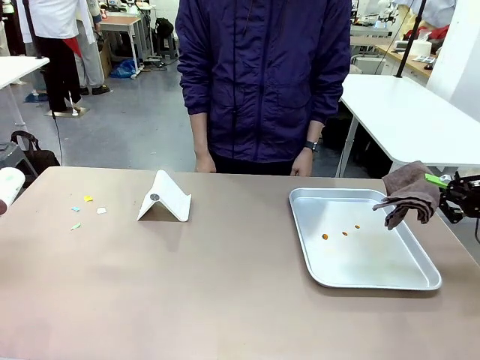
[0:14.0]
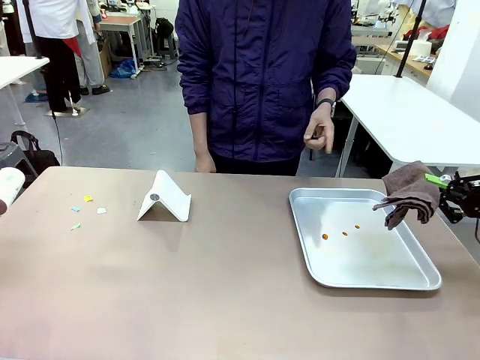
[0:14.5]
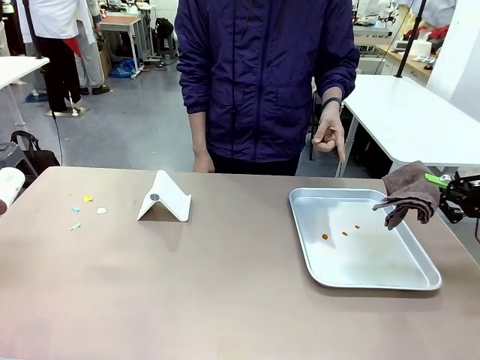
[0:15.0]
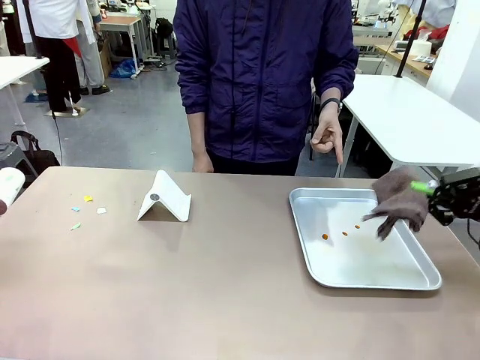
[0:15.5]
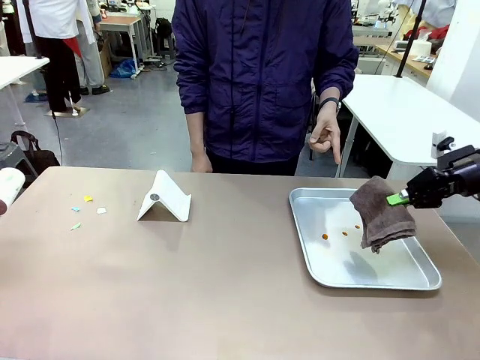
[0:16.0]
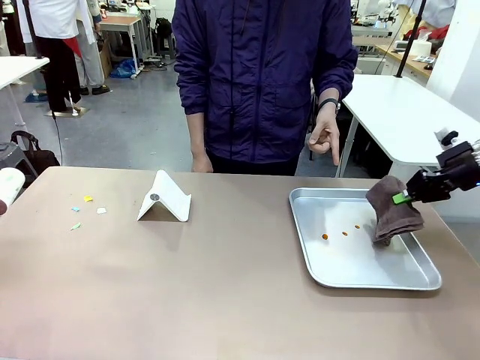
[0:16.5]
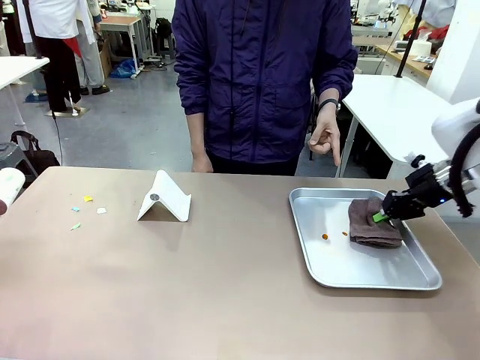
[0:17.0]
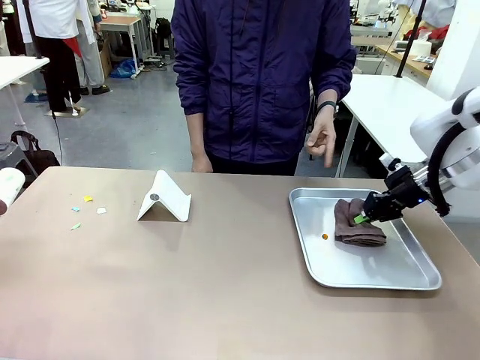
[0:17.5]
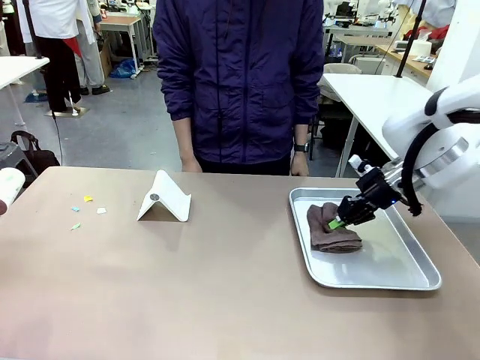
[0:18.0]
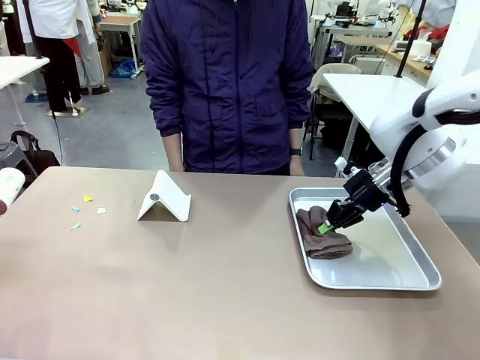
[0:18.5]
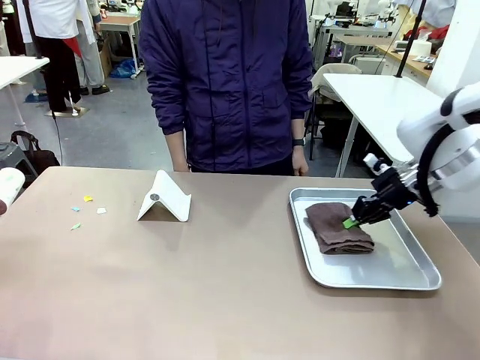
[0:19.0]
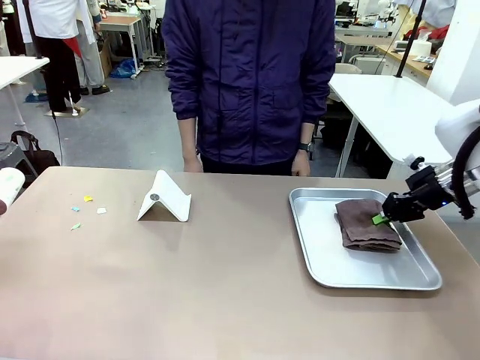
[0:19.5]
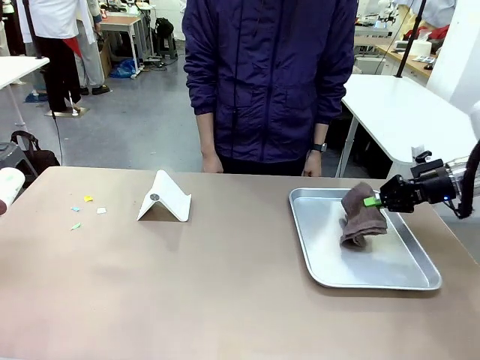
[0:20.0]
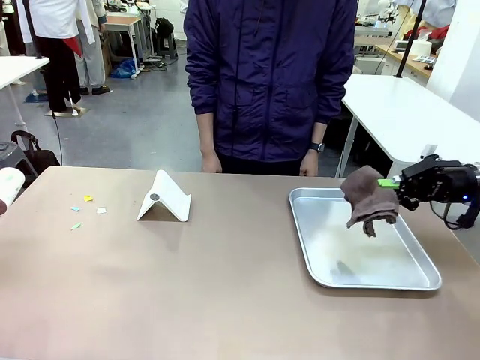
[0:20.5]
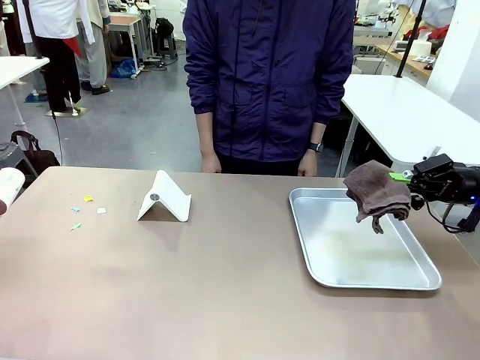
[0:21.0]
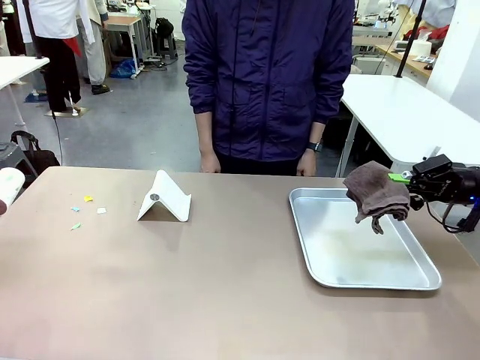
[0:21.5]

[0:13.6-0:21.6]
Task: Clean the surface of the table.
Robot: If a person points to the right, clean the right side of the table with your right hand, and if they point to the left, clean the left side with your left hand.

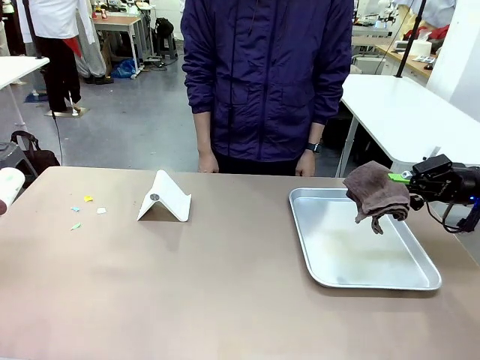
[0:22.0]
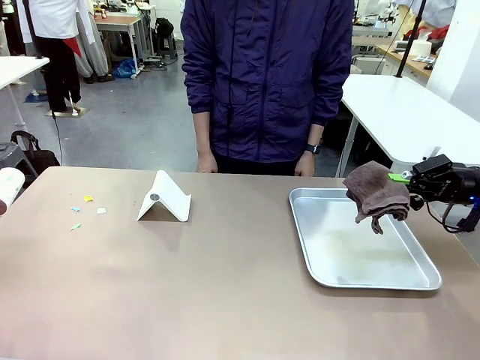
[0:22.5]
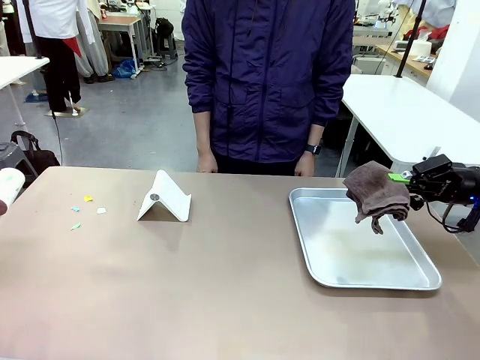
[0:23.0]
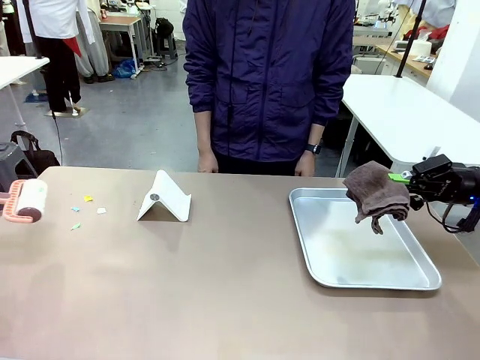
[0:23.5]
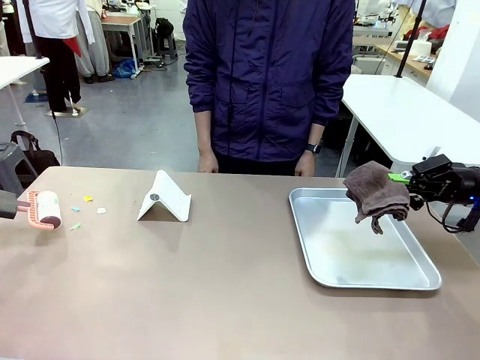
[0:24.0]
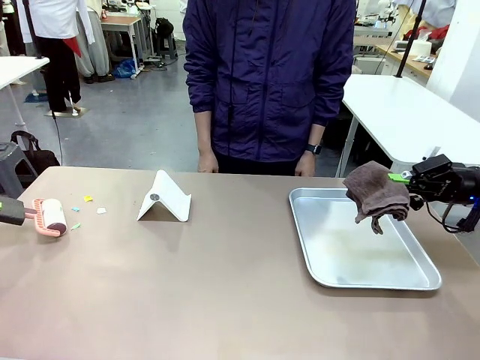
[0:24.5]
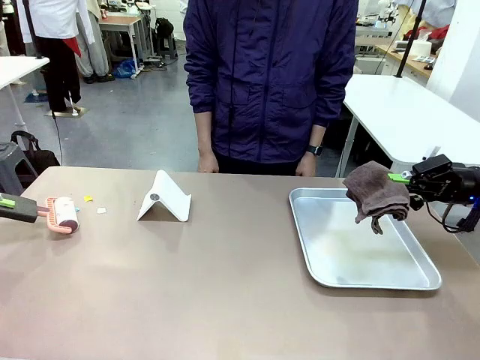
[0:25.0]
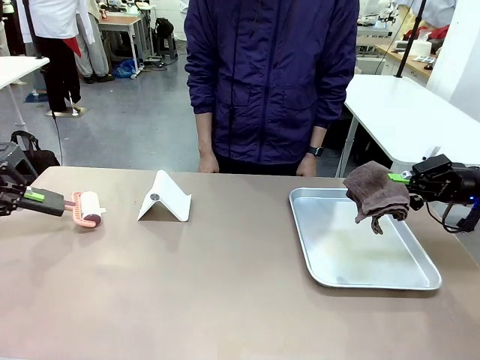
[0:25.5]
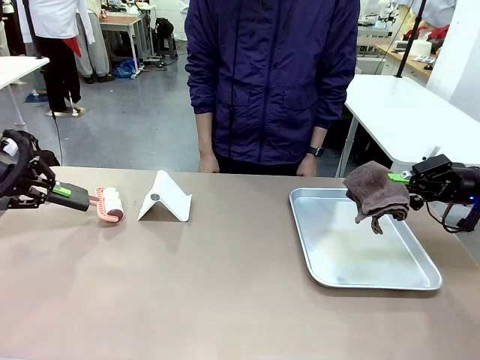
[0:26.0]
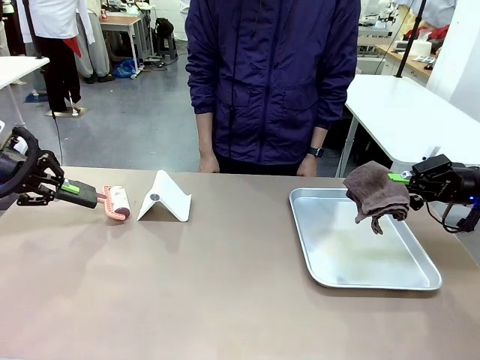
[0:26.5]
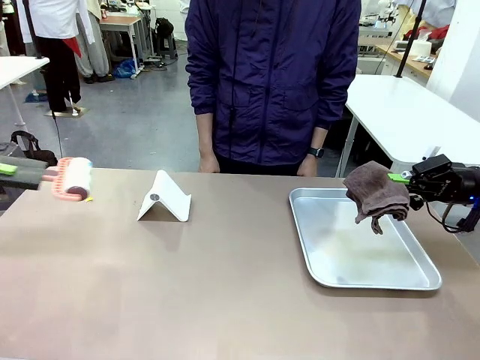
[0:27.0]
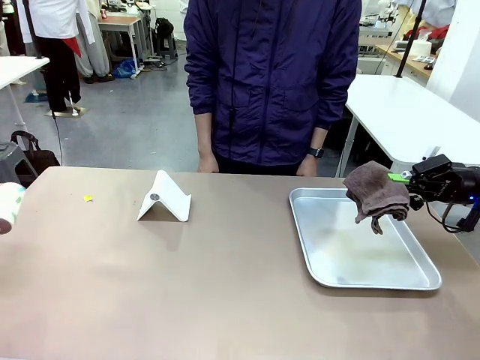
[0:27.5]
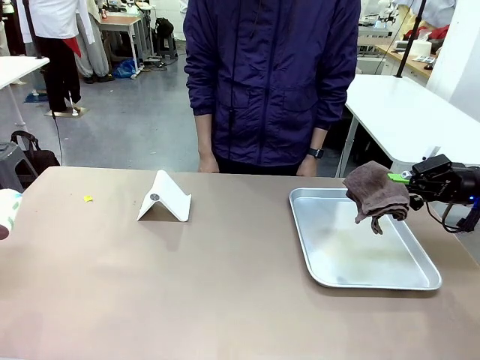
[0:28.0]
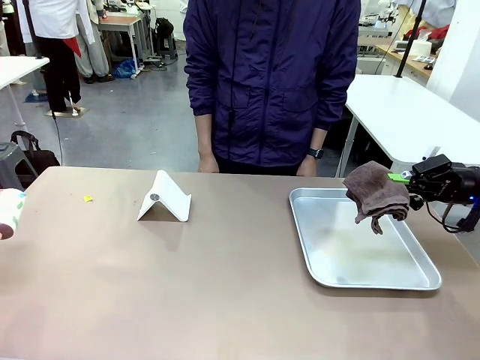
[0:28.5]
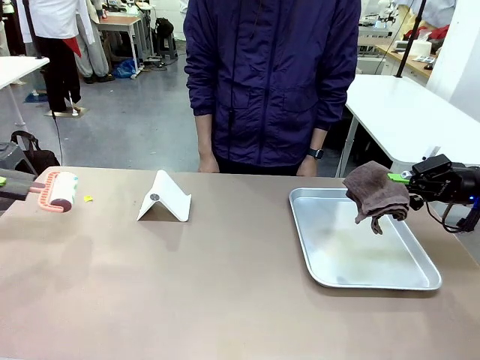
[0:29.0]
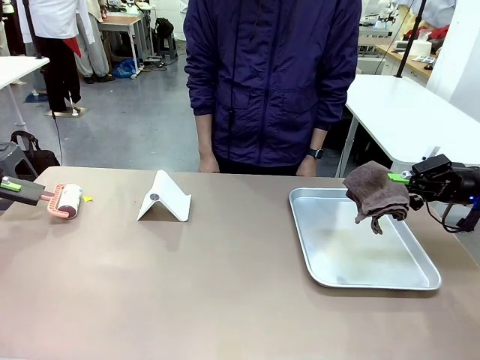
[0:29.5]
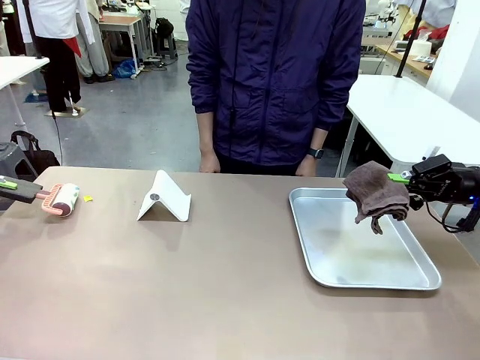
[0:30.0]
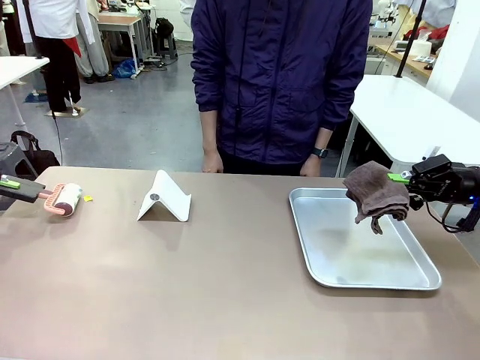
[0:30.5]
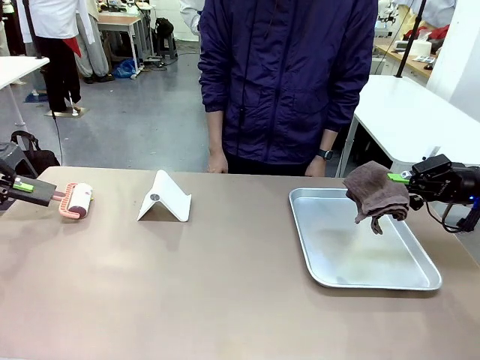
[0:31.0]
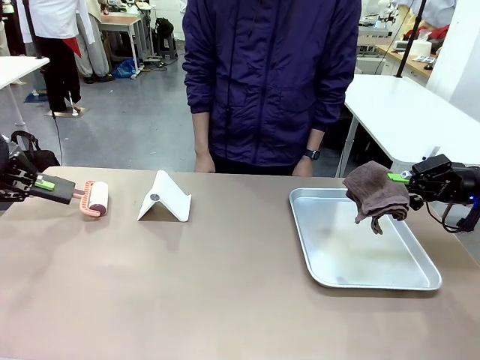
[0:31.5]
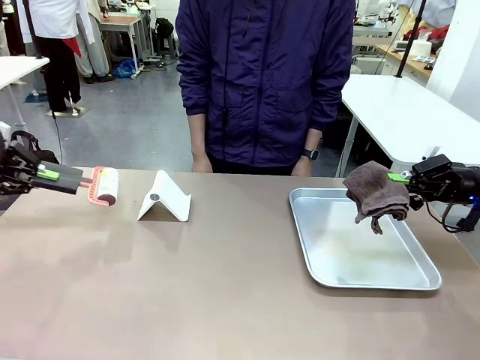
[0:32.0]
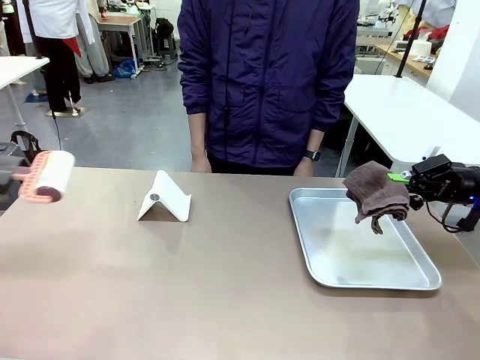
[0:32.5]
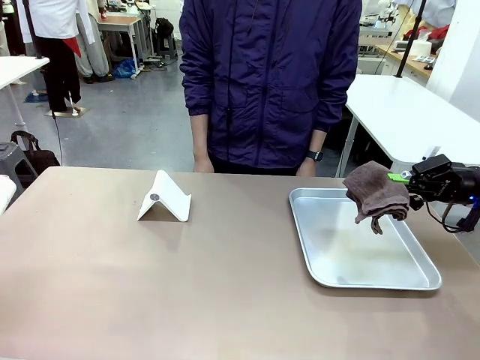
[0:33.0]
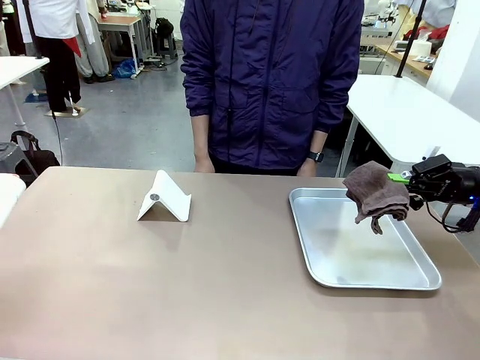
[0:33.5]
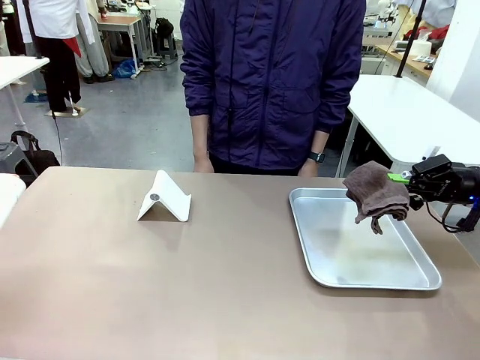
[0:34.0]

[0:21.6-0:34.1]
Robot: Clean the area not pointed to by the person.

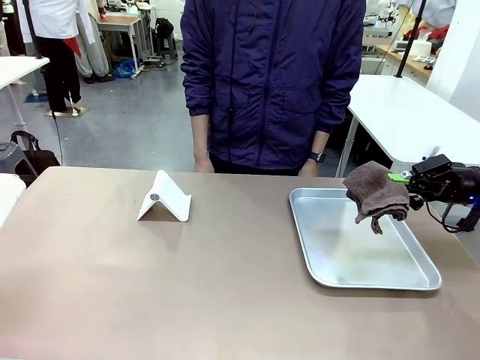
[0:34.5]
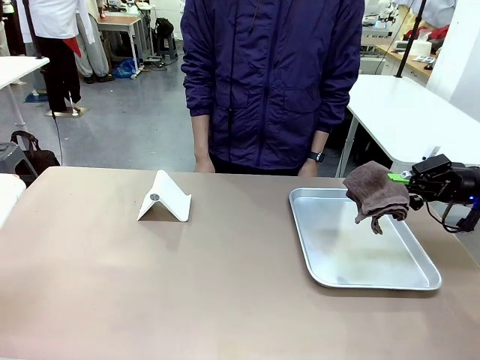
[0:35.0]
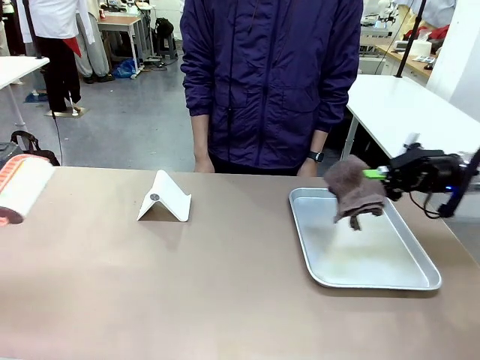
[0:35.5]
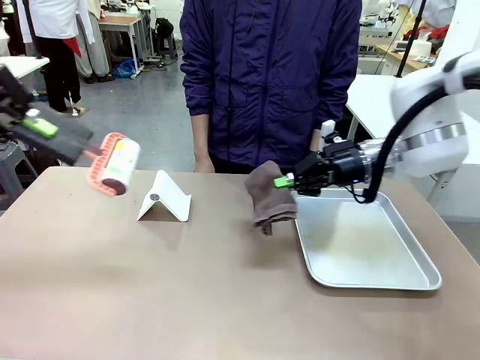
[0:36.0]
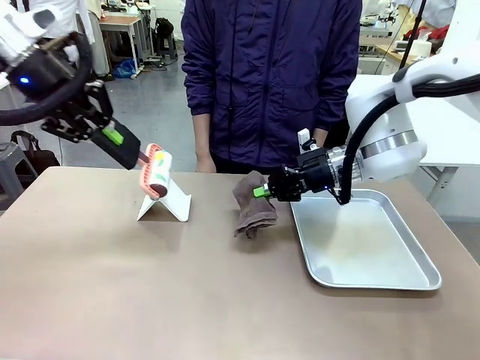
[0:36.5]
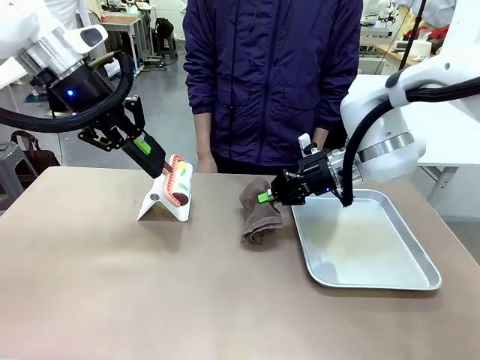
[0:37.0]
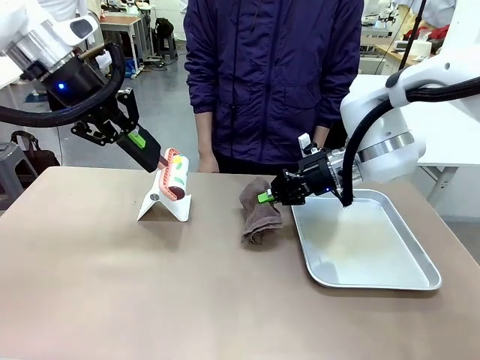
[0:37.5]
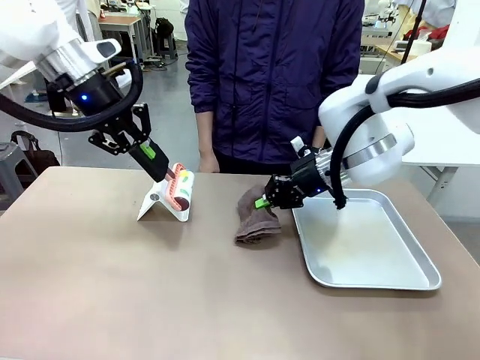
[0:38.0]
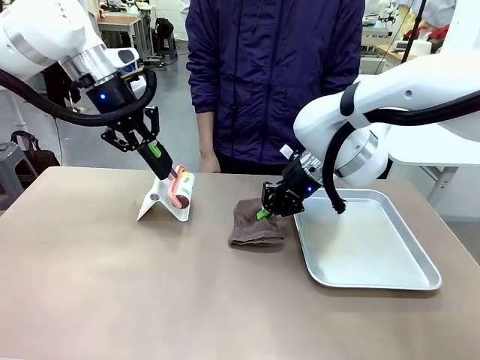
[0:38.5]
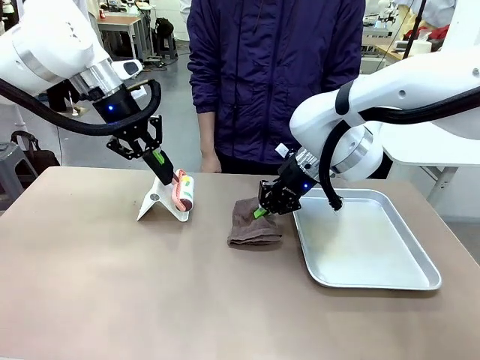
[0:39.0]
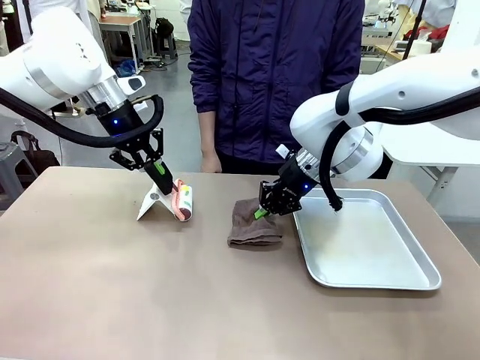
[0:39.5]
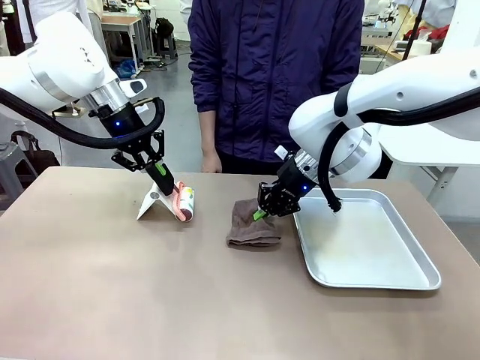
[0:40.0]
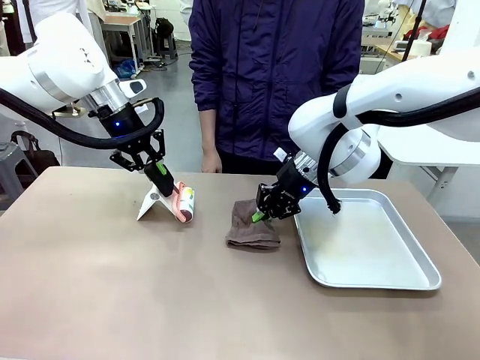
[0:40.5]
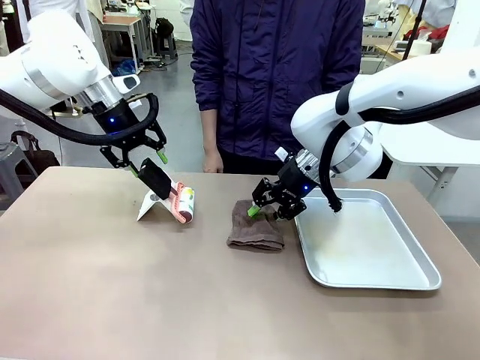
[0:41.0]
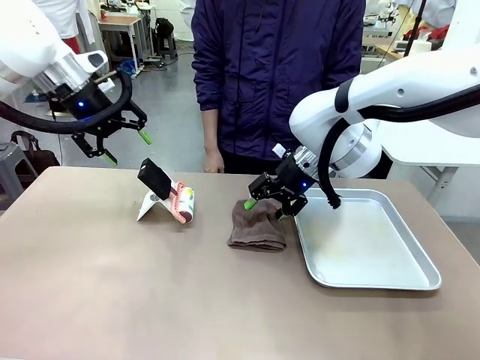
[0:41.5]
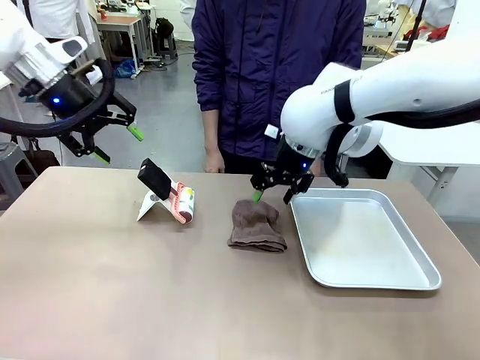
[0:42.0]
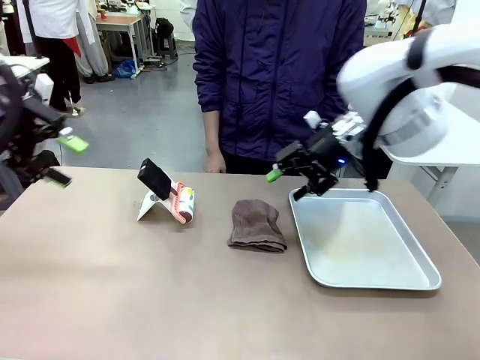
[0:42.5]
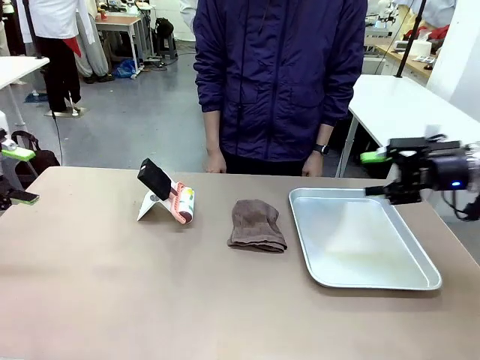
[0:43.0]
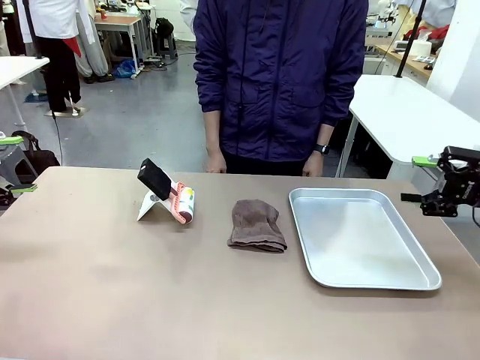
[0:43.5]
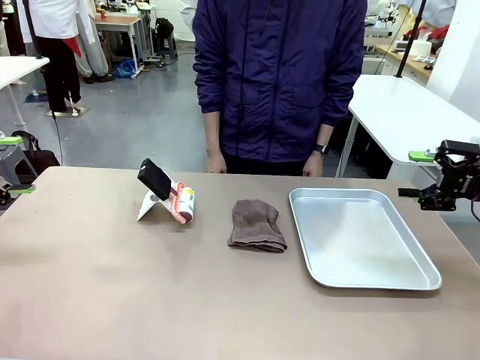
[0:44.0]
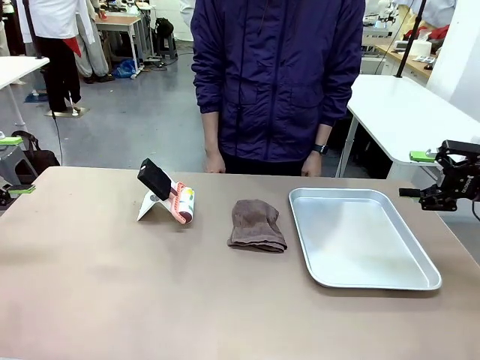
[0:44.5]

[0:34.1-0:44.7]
Robot: Return the Lint Roller and towel to their original positions.
